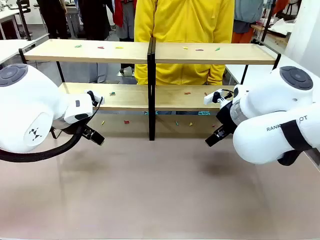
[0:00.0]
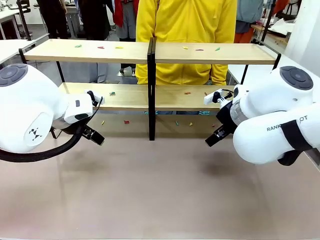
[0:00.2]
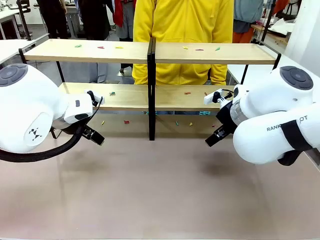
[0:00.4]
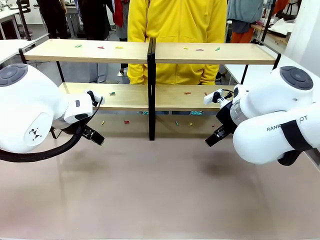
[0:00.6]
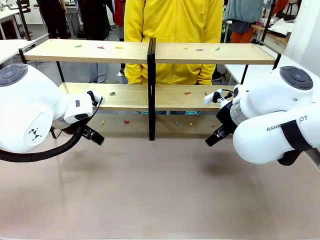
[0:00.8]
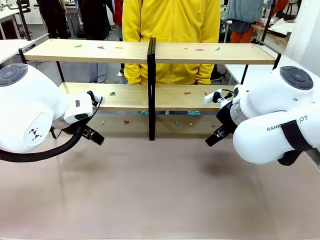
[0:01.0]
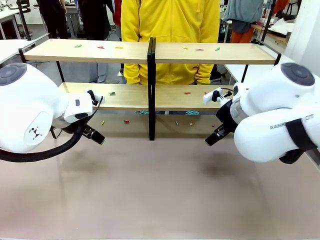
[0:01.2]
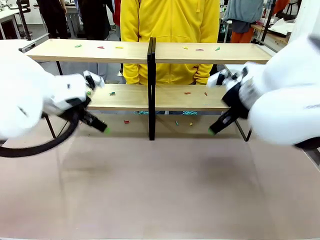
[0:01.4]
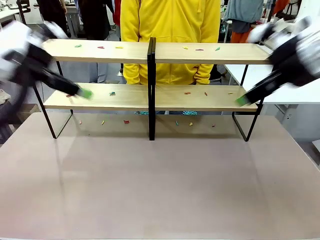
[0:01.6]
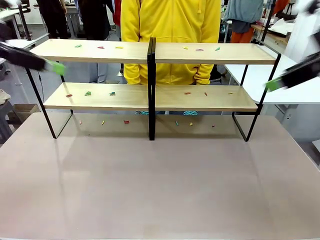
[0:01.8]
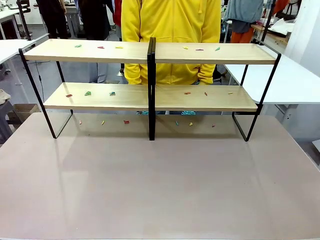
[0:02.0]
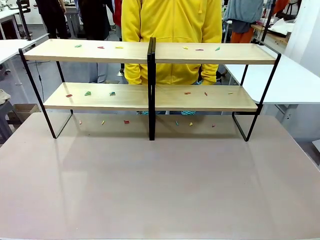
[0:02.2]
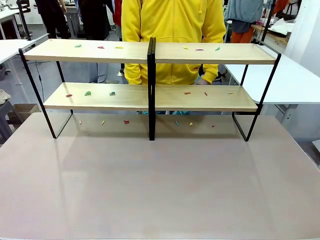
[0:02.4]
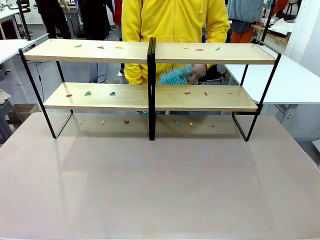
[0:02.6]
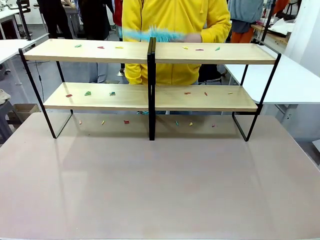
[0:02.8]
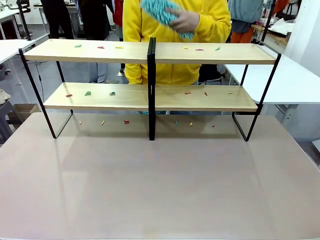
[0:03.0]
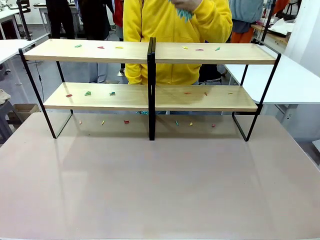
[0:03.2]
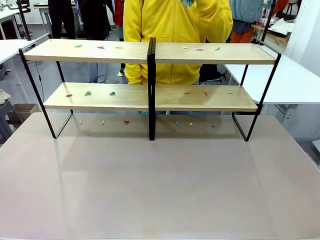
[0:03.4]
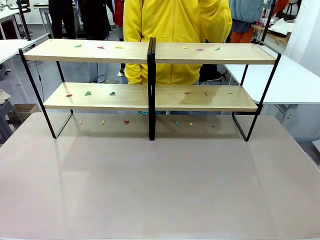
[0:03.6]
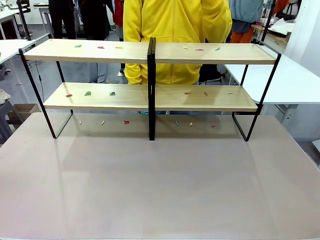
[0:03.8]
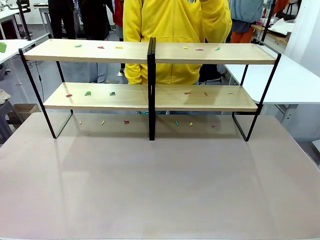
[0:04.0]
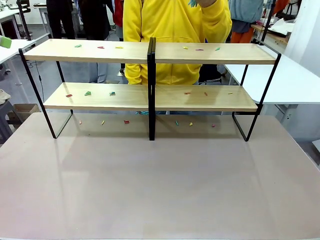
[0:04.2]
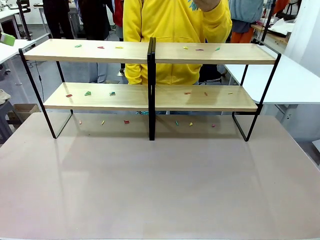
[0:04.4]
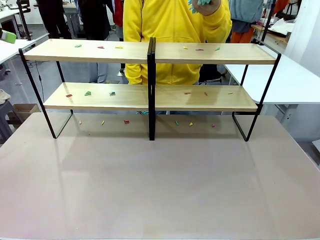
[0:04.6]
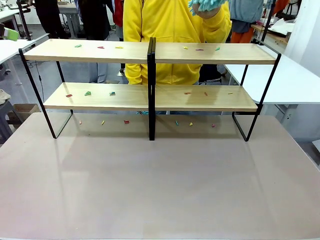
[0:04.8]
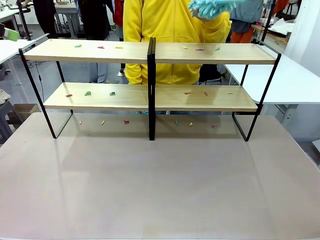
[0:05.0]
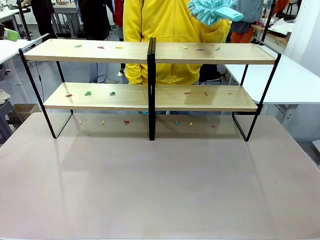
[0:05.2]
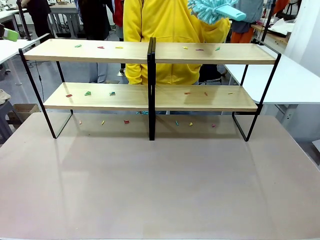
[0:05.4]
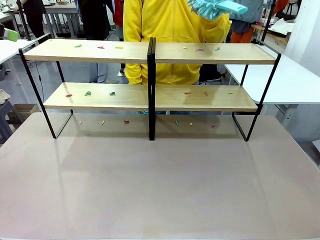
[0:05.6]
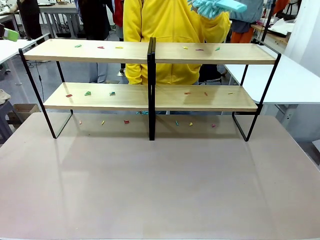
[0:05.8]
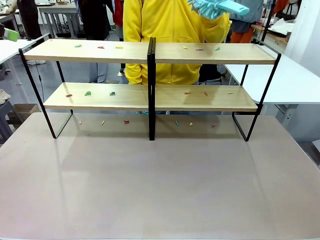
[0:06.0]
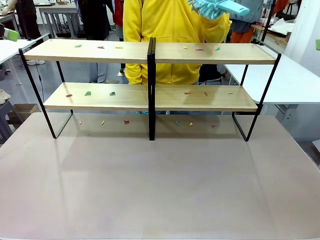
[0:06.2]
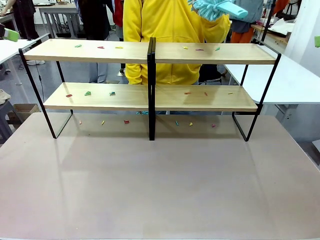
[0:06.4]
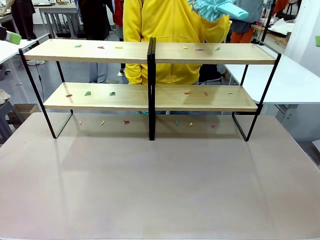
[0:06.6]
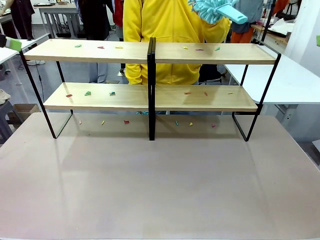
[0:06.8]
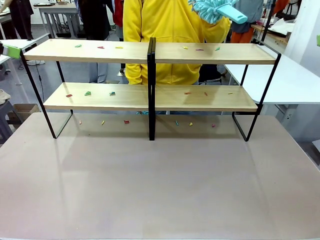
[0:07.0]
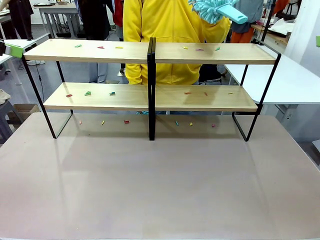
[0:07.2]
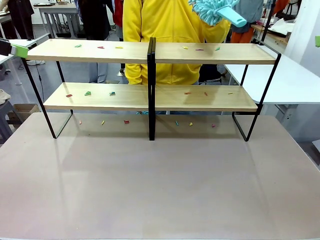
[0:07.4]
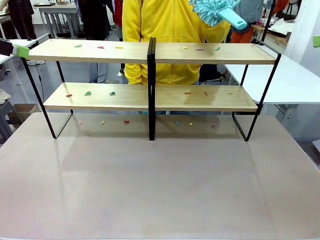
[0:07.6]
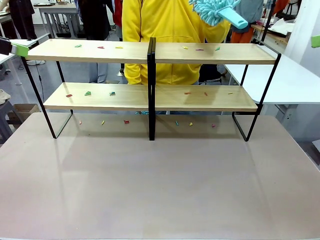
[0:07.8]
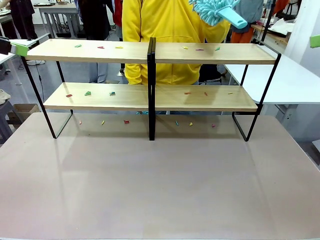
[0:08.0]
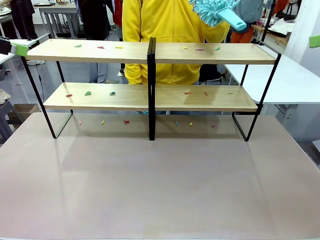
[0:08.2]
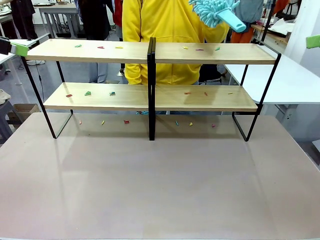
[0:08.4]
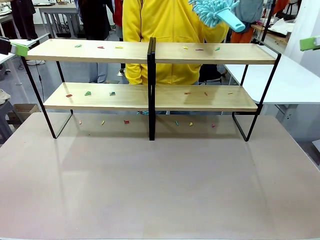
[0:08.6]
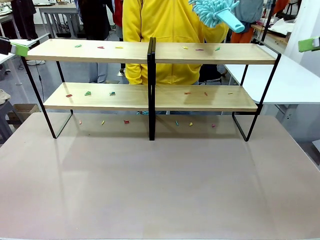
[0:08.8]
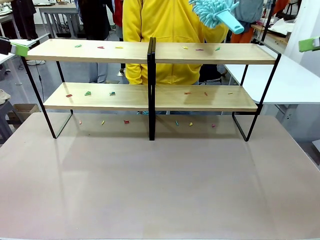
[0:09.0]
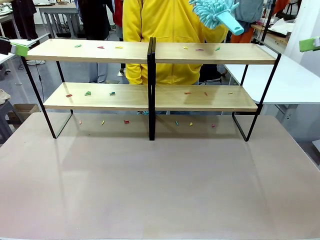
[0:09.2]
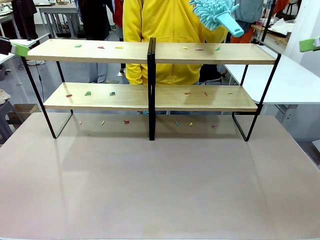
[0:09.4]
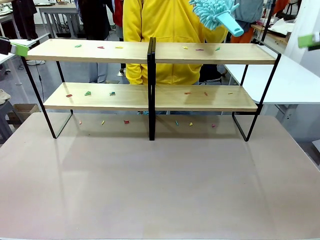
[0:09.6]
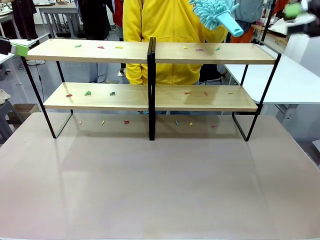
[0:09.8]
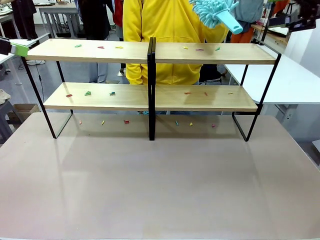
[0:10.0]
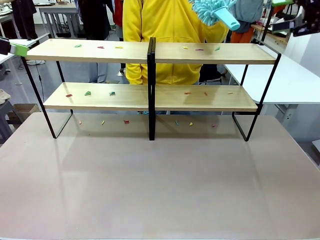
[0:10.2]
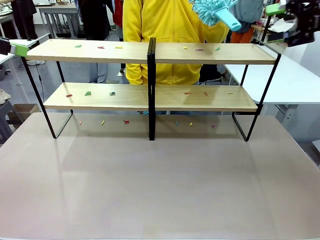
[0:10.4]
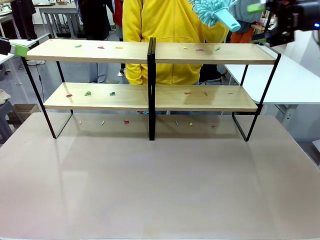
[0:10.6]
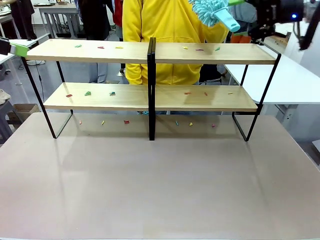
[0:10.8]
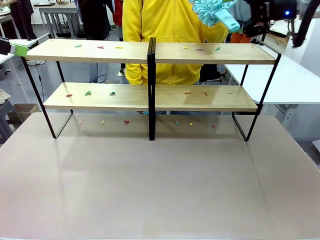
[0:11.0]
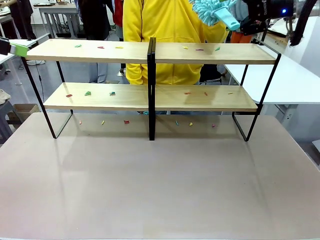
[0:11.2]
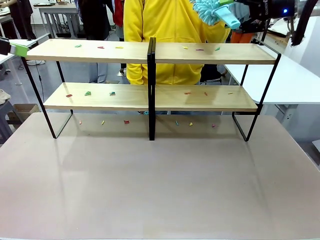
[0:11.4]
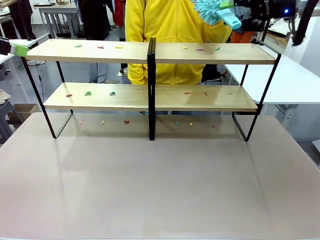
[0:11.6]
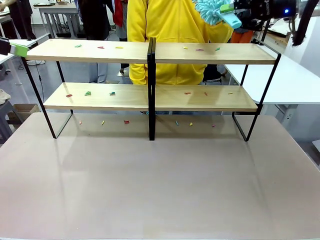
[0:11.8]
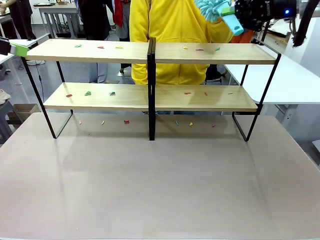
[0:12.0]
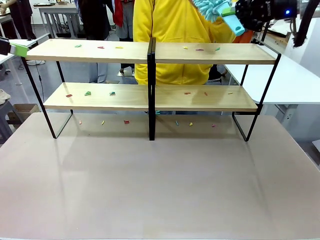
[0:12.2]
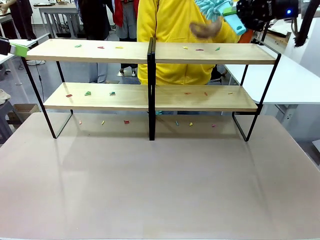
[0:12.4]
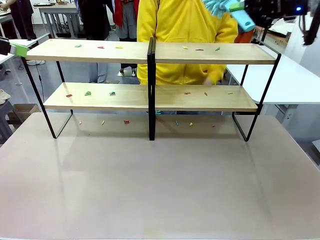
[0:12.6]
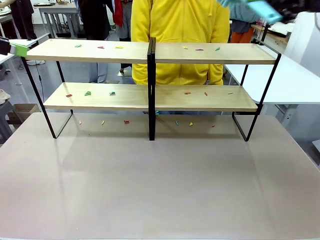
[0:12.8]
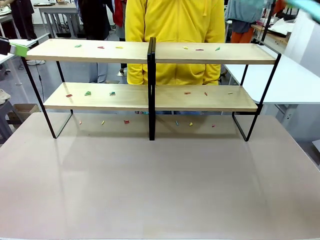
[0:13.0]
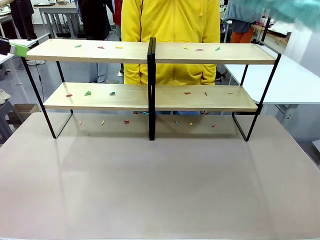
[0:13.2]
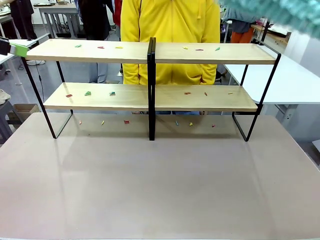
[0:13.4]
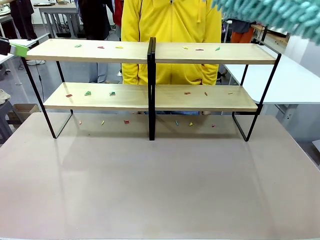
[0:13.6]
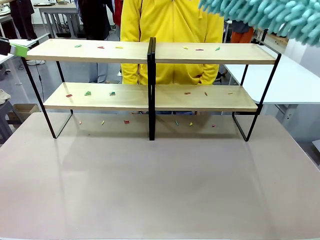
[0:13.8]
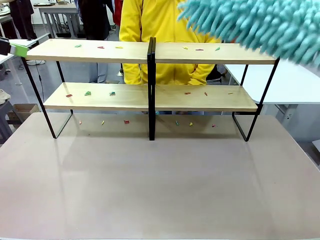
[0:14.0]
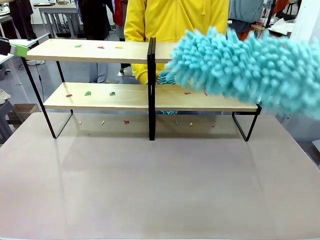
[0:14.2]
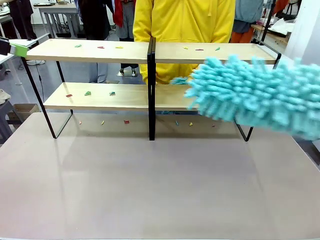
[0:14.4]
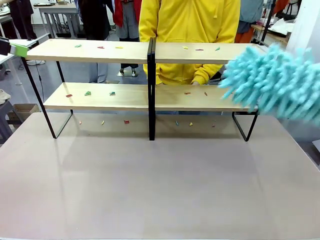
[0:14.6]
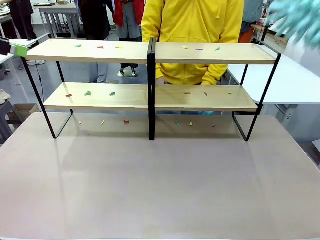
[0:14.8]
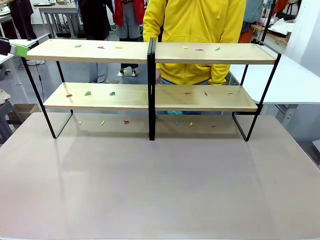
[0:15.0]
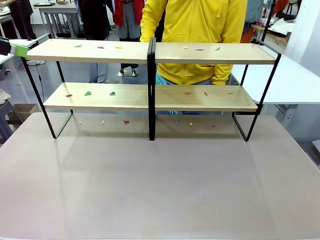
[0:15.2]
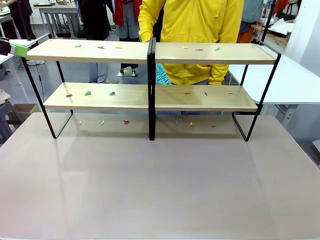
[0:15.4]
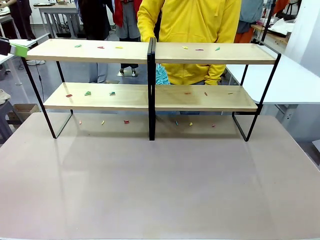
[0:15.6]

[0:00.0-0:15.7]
Task: Clean the shelves.
Robot: Pick up the Duster when the human hands it over.
Person: Hand the Duster to the robot with your right (or left) hand.
